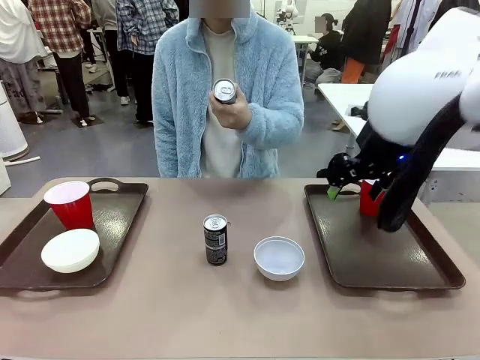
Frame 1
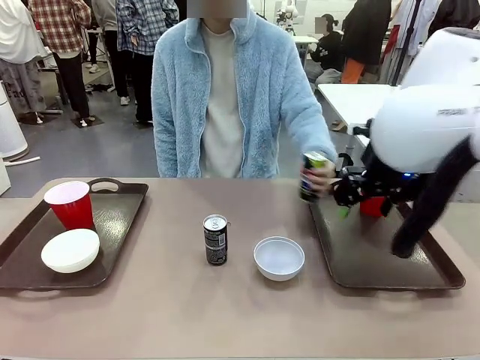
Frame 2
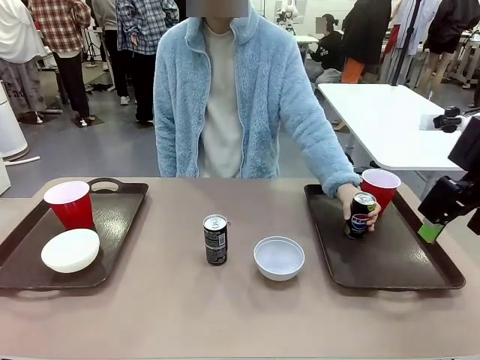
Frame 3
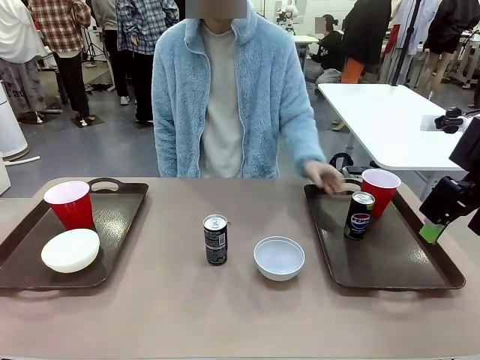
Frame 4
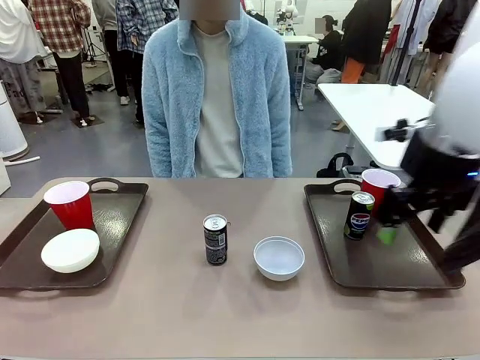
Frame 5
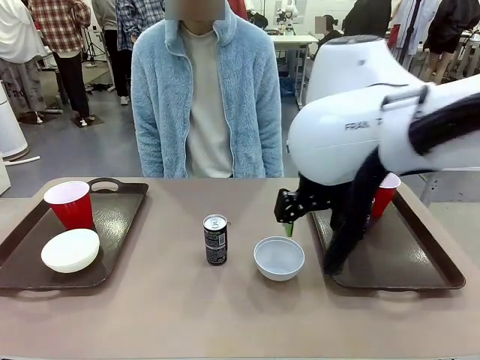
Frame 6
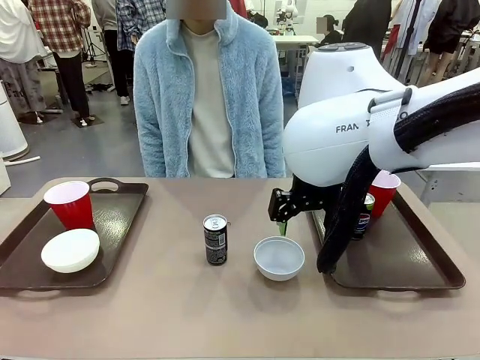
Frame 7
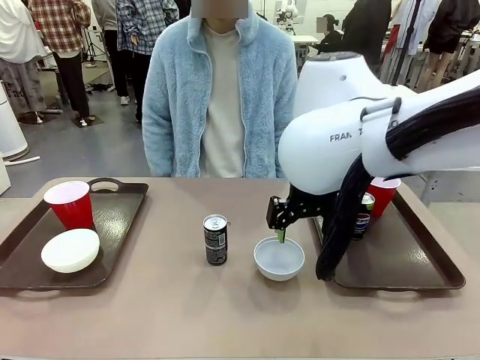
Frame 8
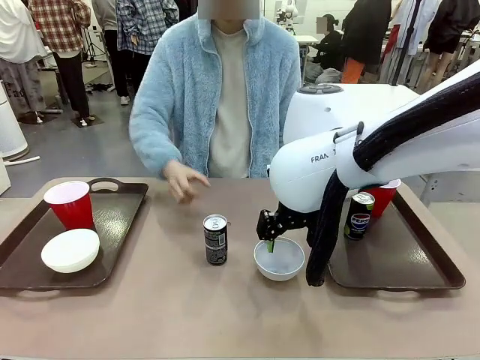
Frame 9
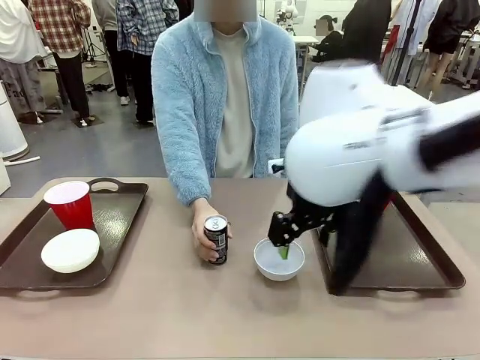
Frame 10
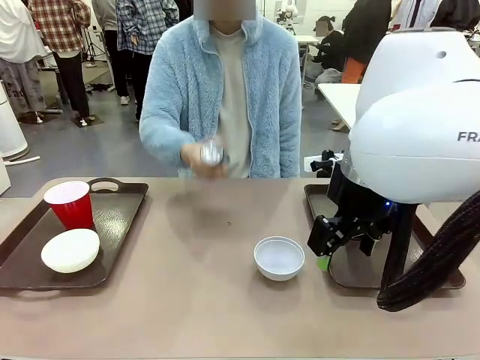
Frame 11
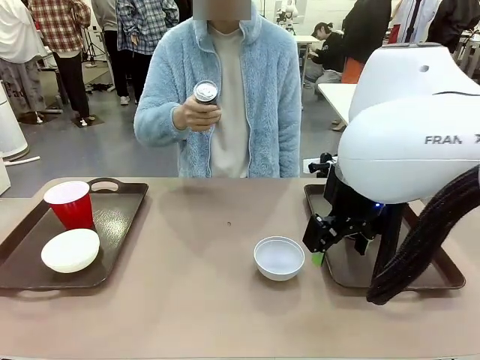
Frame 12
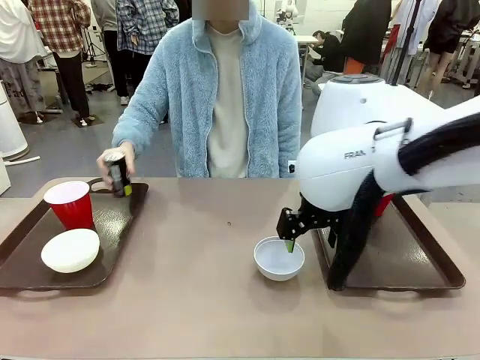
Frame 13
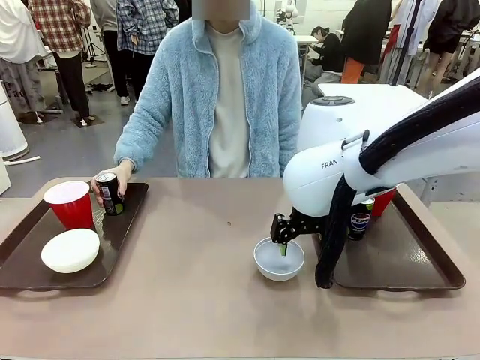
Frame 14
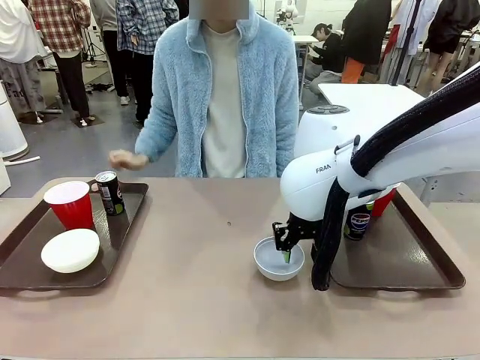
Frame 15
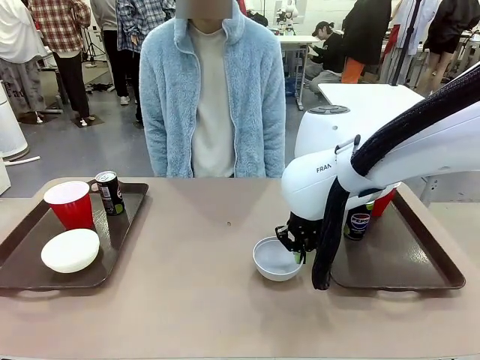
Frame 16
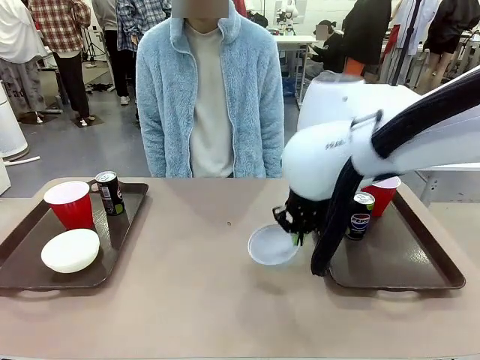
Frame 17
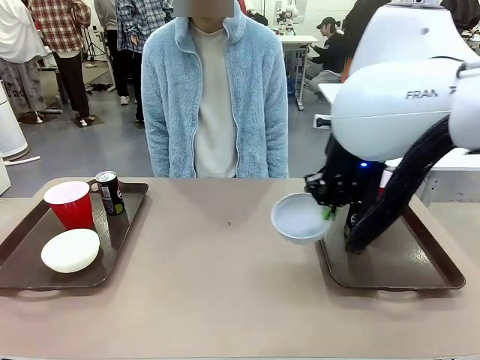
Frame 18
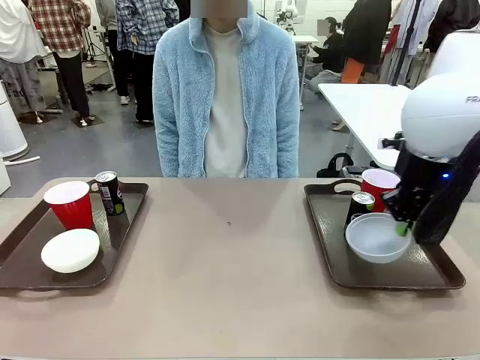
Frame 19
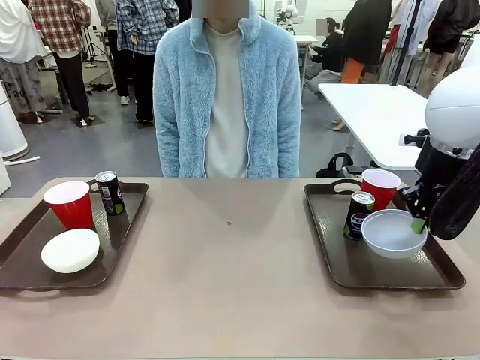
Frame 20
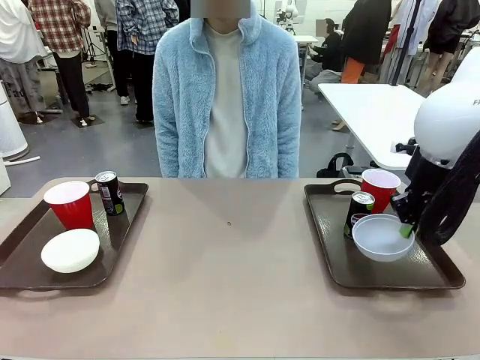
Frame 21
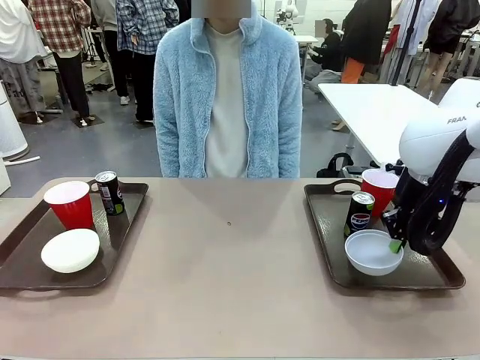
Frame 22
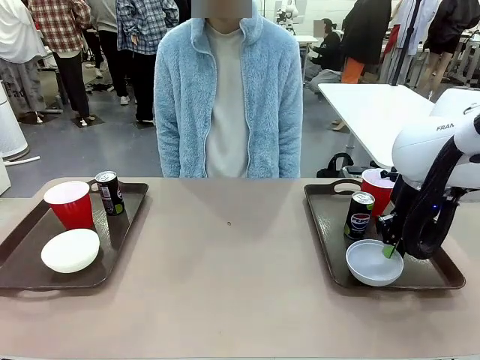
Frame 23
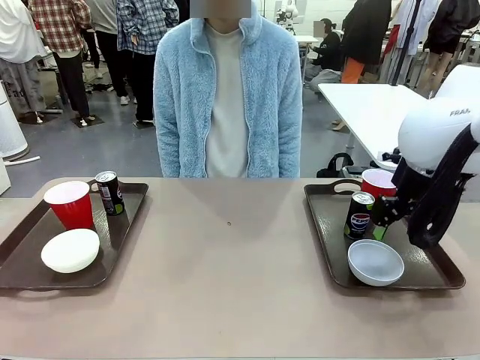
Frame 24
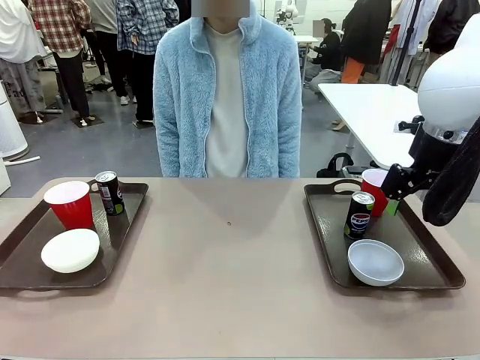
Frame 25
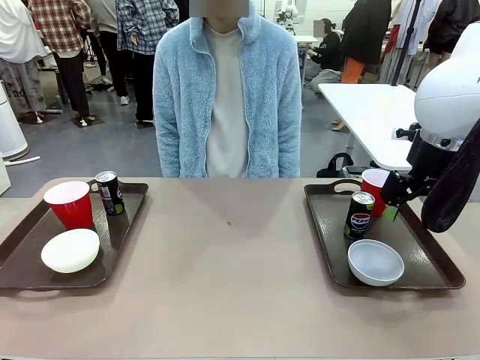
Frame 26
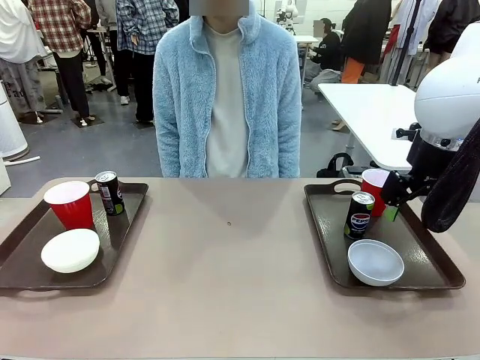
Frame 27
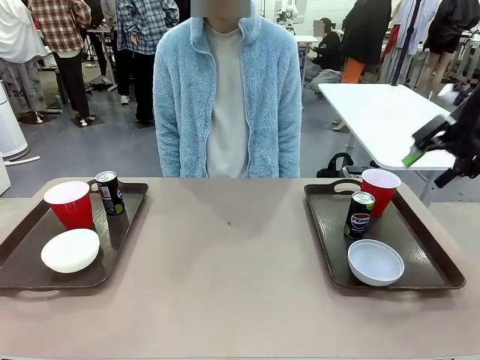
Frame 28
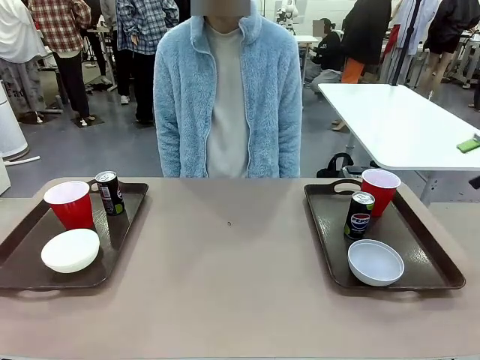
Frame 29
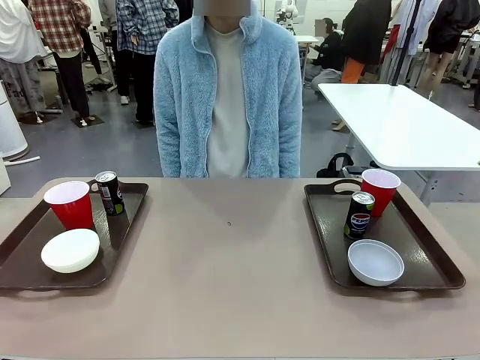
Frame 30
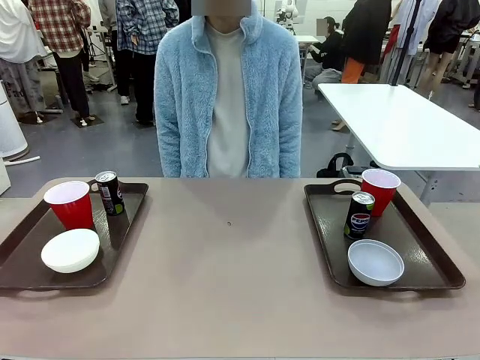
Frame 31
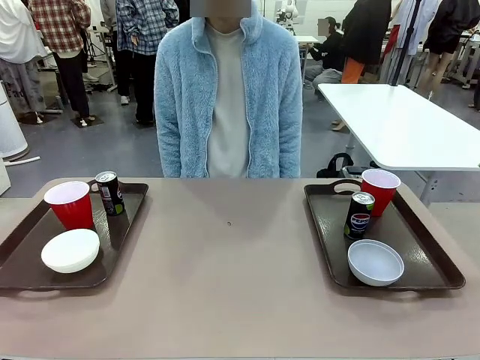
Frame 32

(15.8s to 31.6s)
Task: Prepare tableware on both trays.
Robot: Pick up a Picnic Bowl from the table and place it on a Handle tray.
Person: Pick up a can or cup and place it on the tray without a can or cup.
